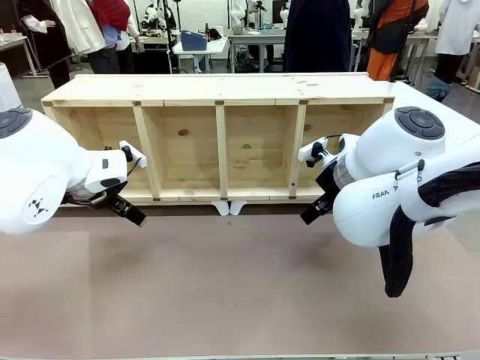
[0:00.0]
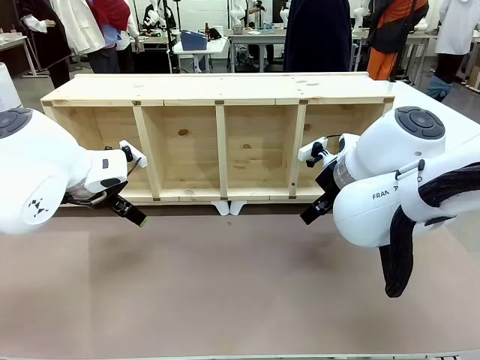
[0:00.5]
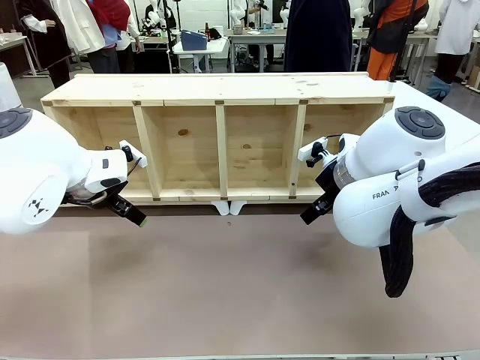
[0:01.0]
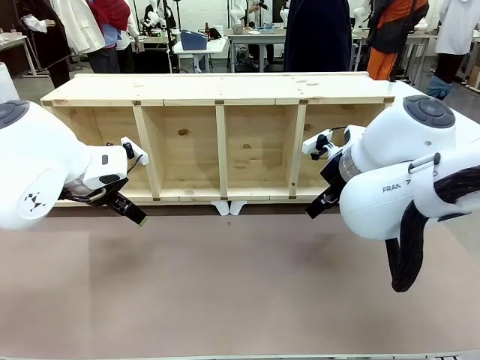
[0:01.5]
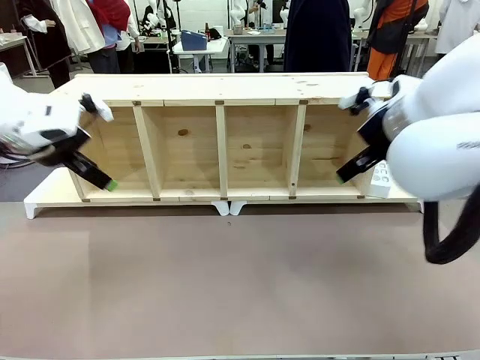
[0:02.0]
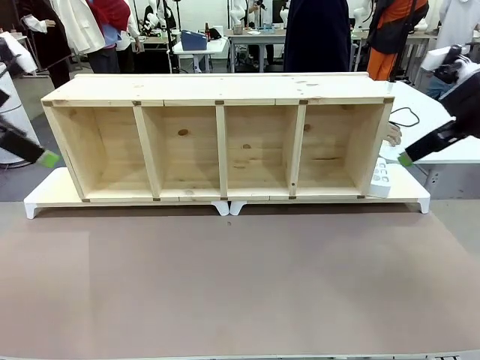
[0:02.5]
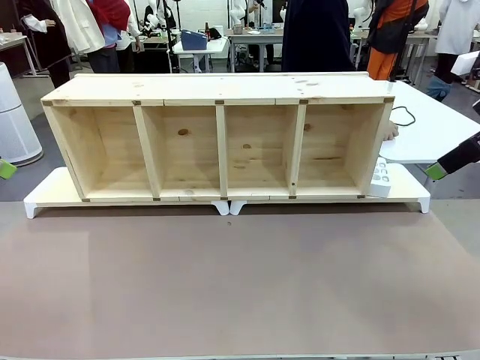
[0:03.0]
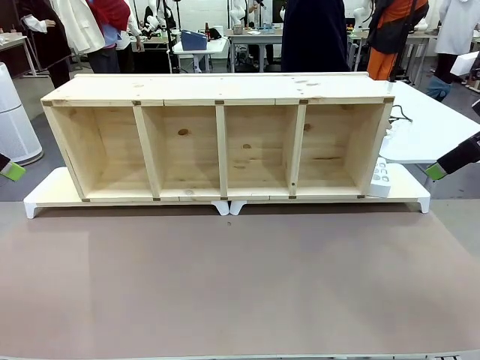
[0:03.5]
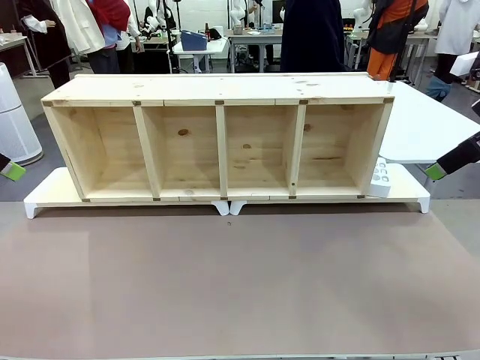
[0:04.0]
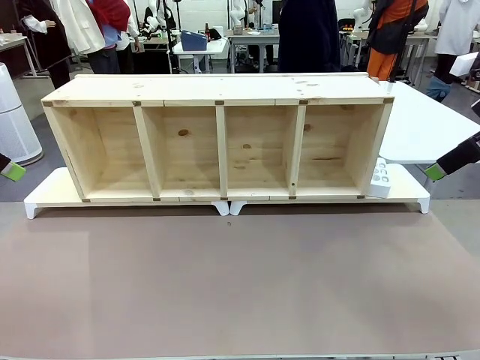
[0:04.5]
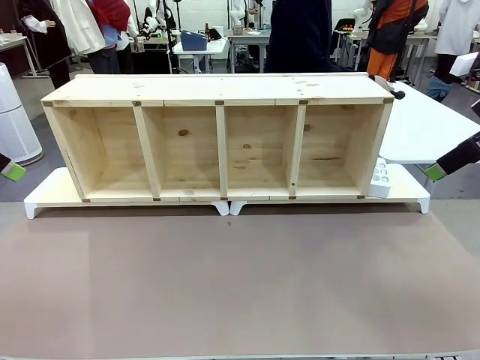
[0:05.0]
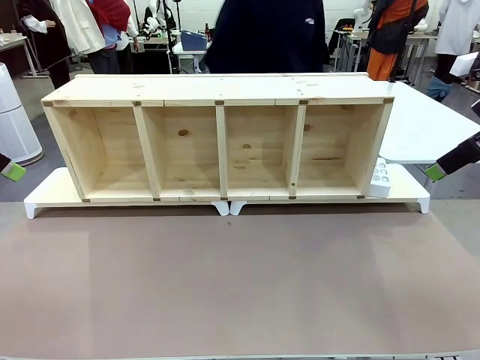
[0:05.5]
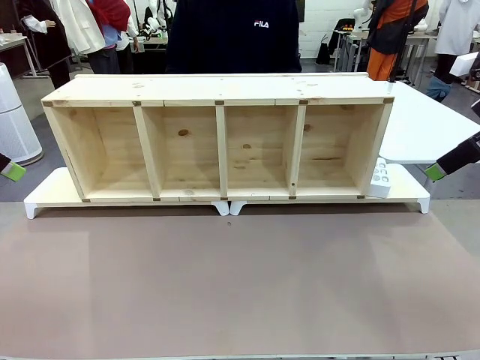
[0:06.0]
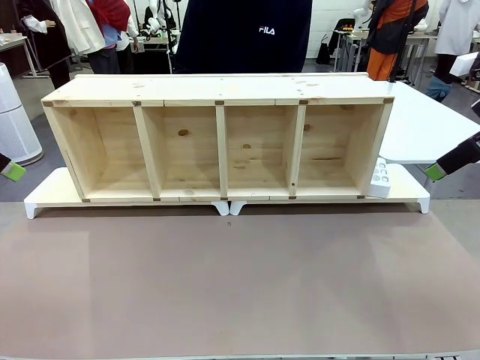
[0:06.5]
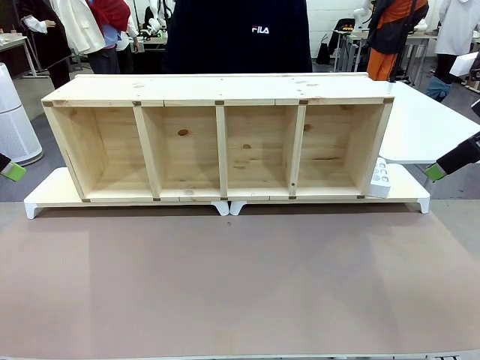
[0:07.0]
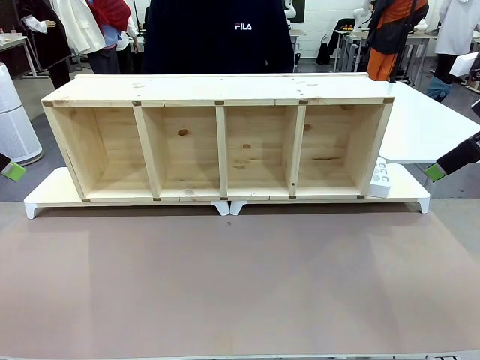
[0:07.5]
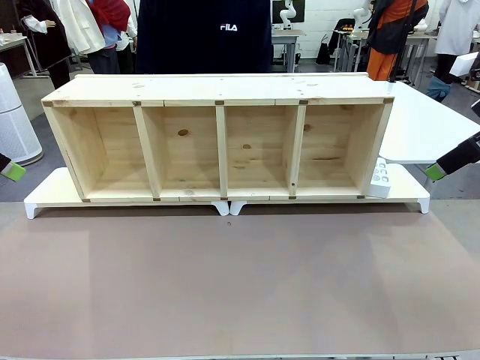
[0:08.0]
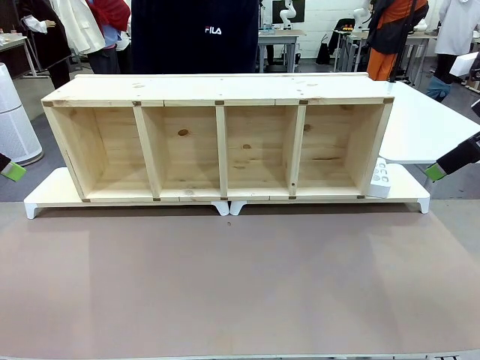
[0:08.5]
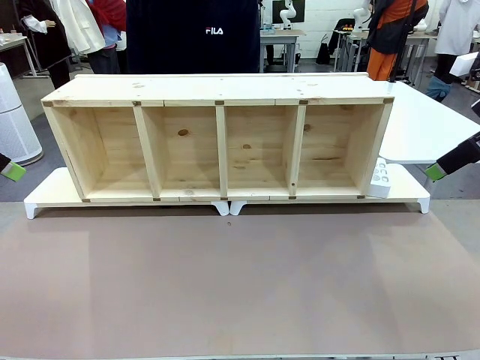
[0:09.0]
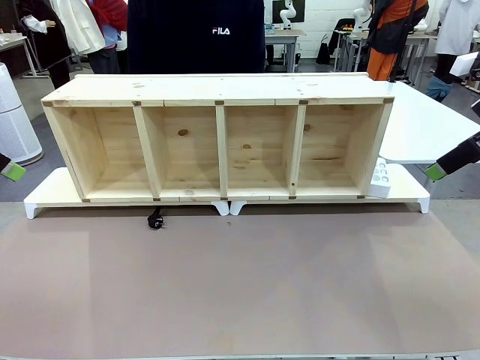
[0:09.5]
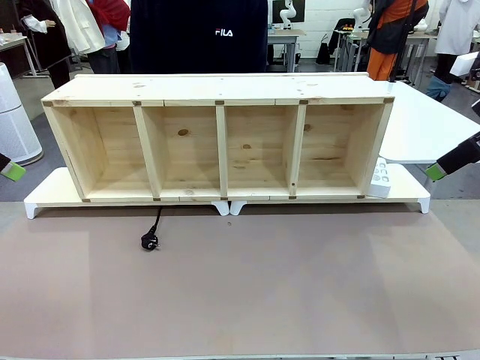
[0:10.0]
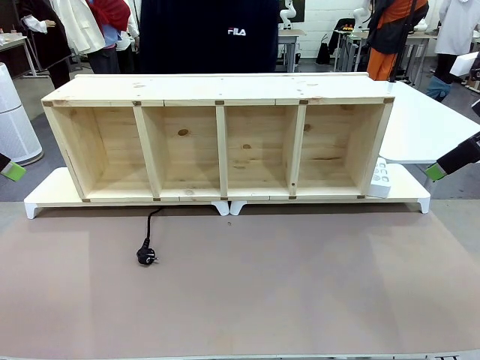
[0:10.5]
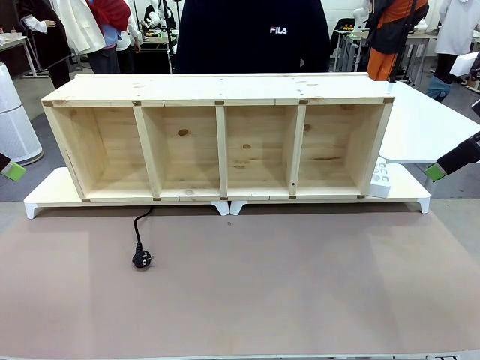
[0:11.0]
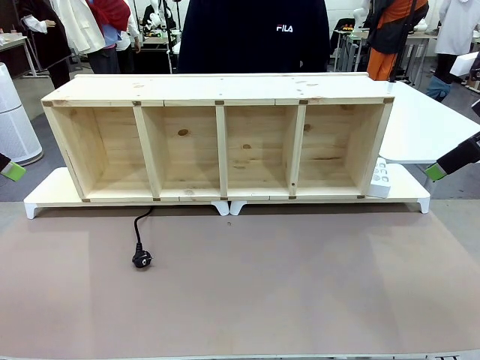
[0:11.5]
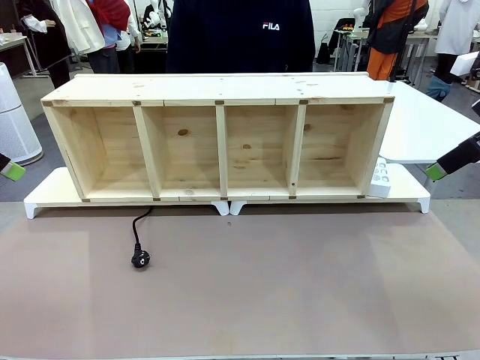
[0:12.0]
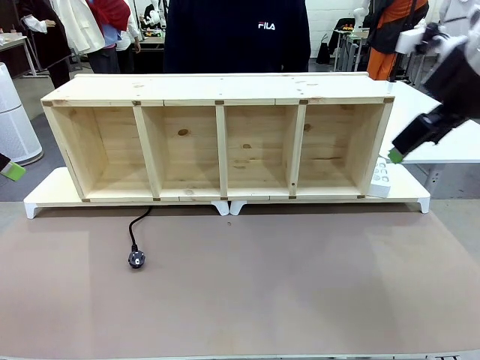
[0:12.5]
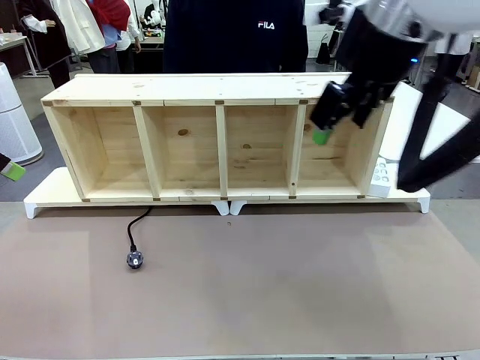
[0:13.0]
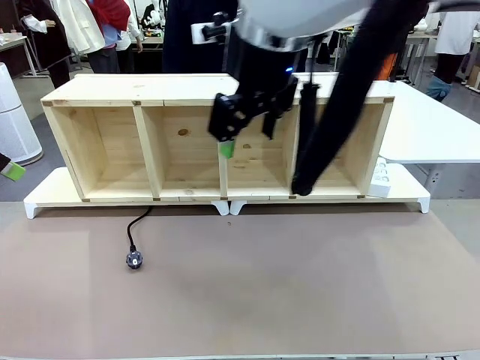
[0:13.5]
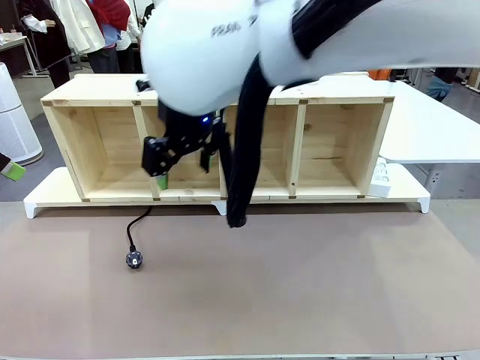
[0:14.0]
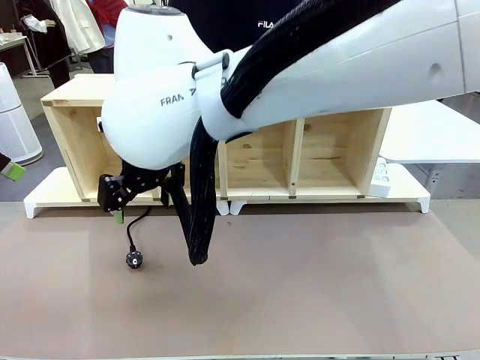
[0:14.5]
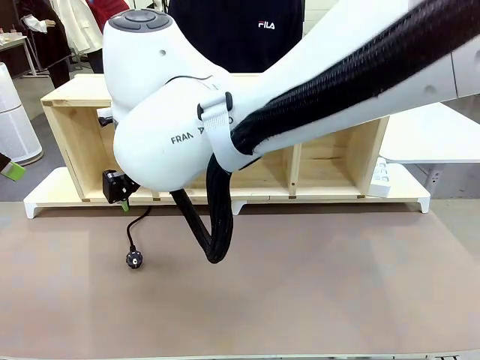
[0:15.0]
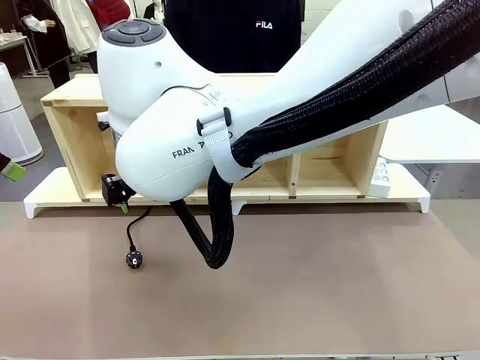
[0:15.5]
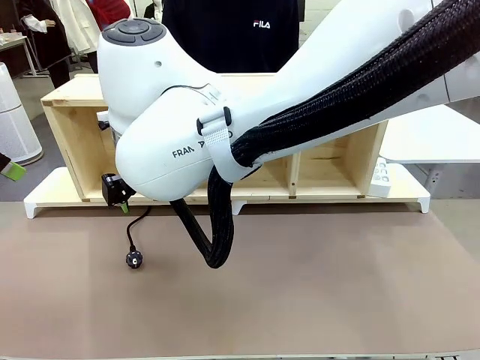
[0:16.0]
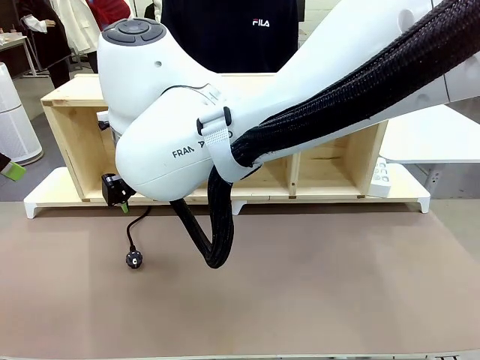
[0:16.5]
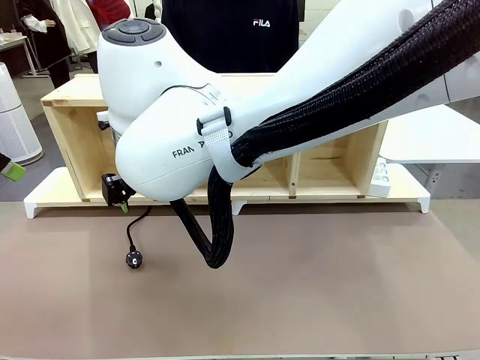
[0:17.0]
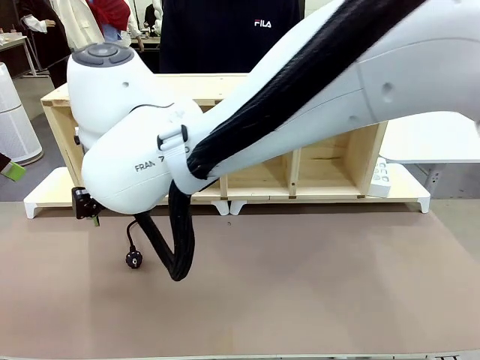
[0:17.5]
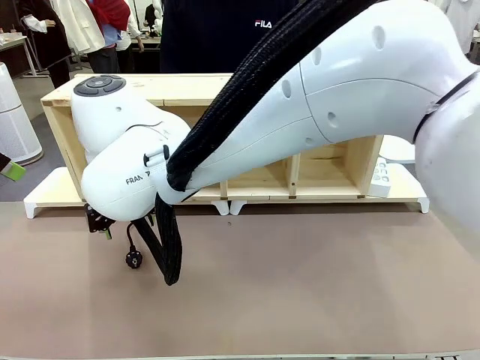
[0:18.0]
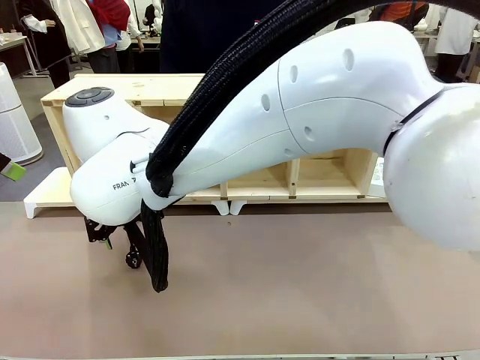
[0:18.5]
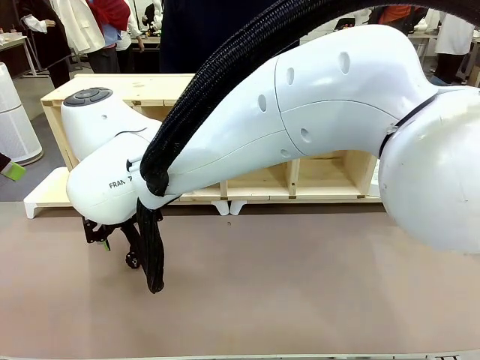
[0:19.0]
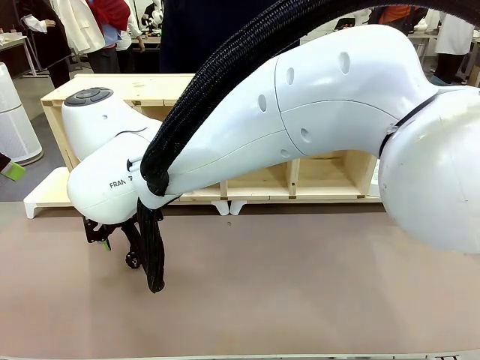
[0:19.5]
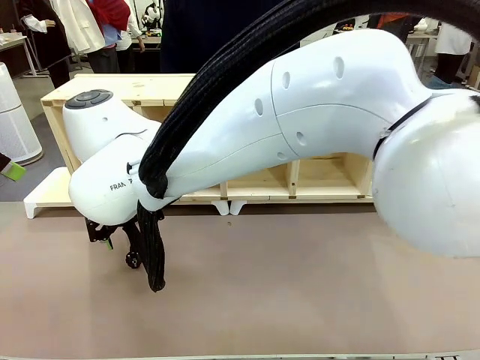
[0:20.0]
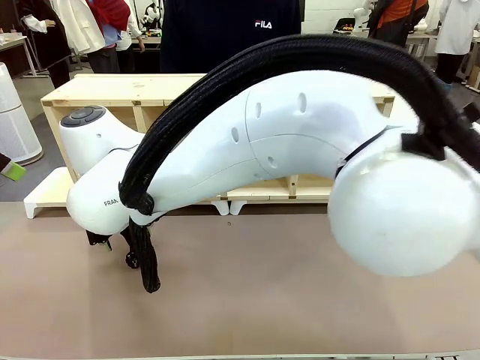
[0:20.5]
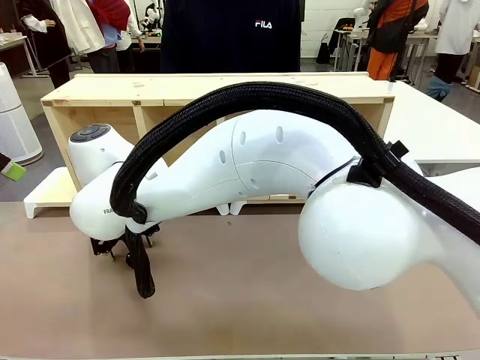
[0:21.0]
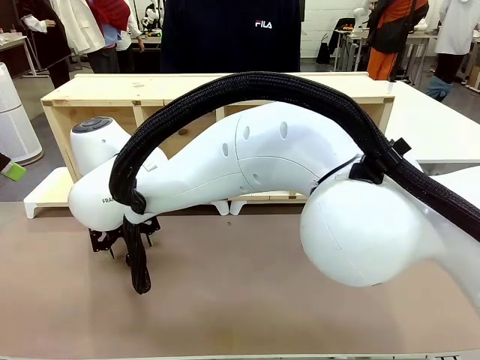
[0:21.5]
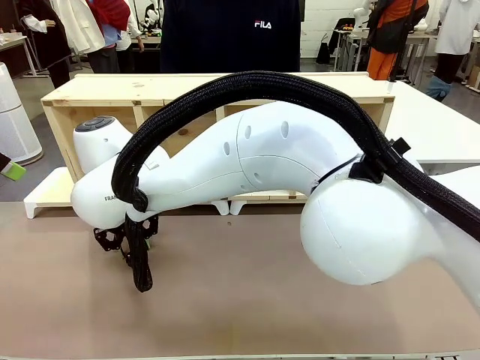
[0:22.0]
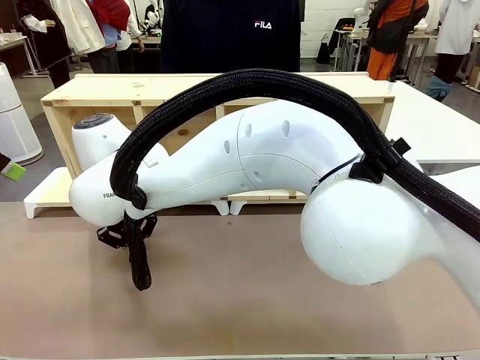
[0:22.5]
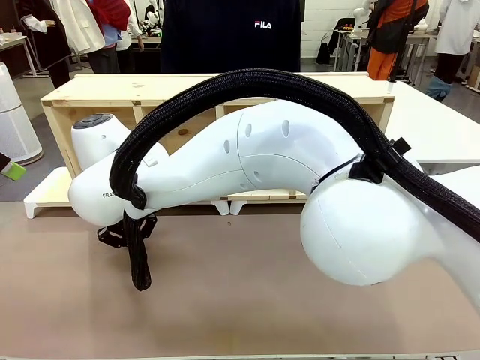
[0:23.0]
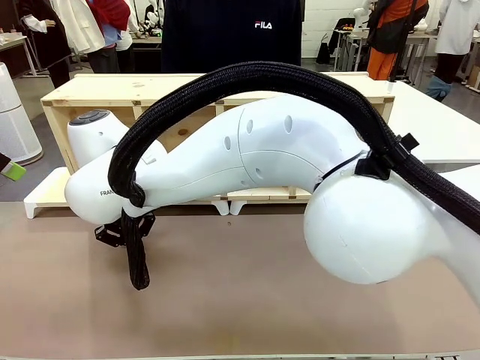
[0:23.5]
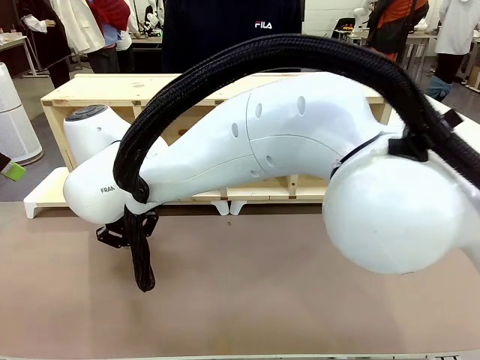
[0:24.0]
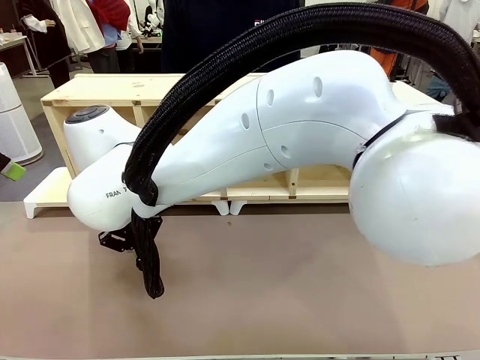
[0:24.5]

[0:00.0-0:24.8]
Task: Perform cable management.
Robot: When the cord part of the Power Cable appears at the lower middle area of the table and stops, grasp the cord part of the Power Cable.
Person: Pass the Power Cable under the Serving Table.
